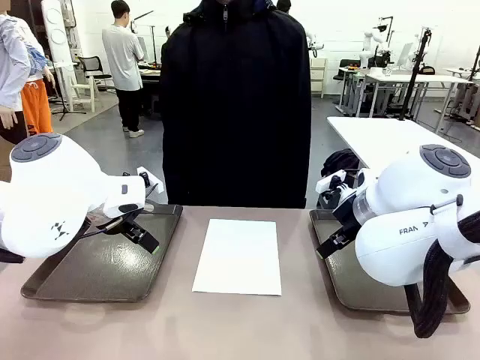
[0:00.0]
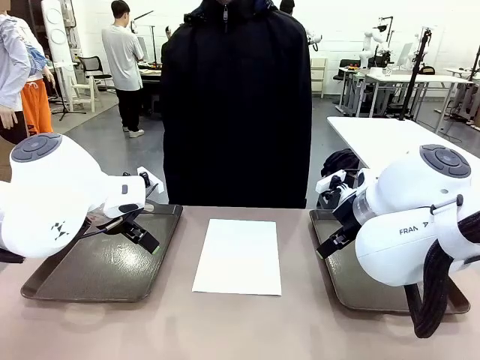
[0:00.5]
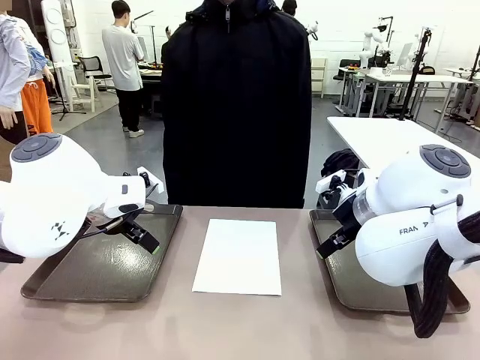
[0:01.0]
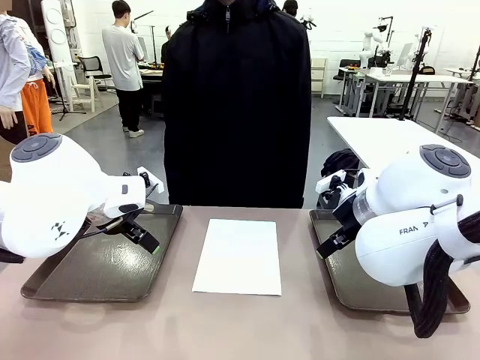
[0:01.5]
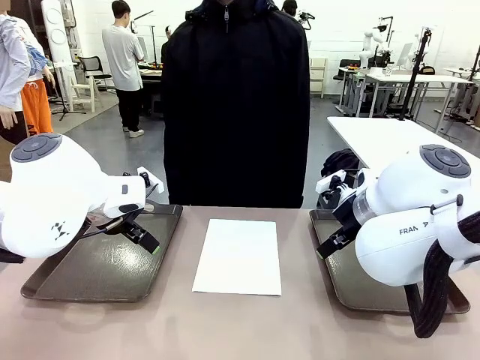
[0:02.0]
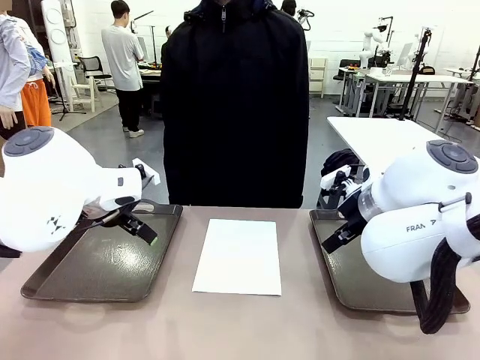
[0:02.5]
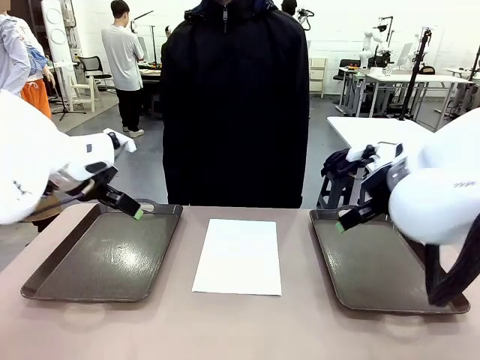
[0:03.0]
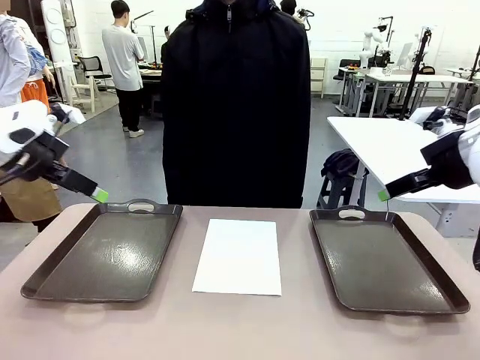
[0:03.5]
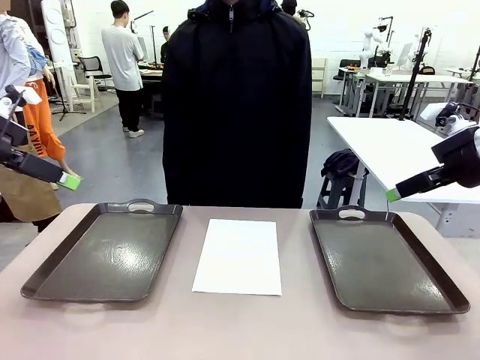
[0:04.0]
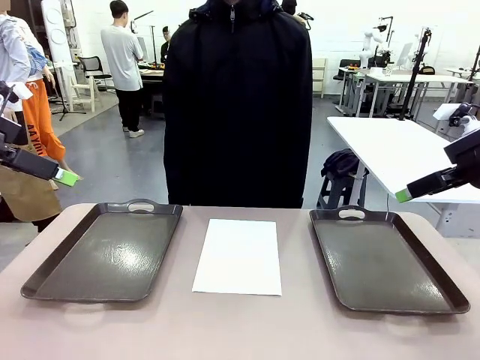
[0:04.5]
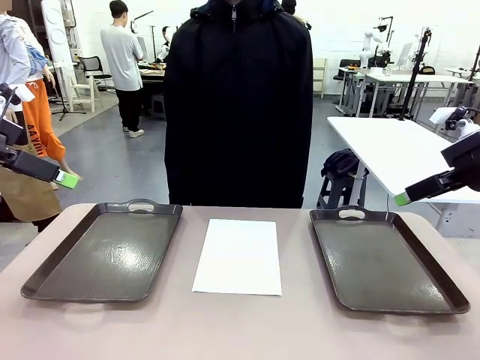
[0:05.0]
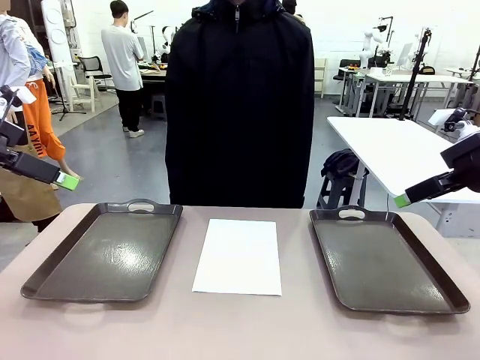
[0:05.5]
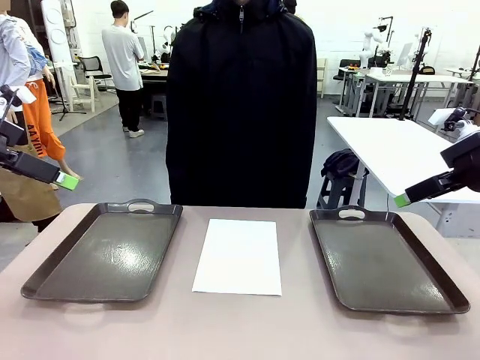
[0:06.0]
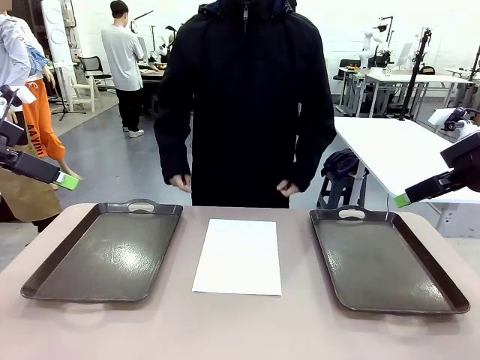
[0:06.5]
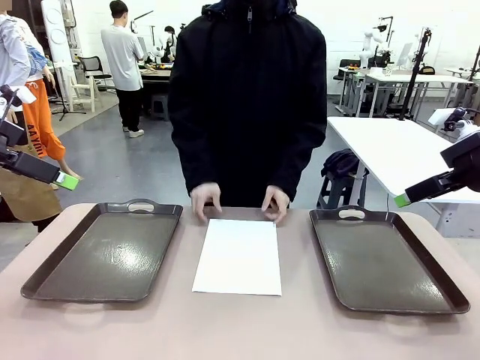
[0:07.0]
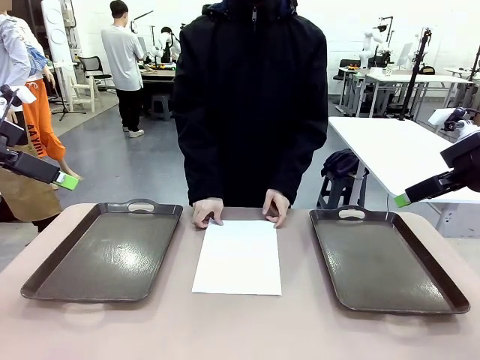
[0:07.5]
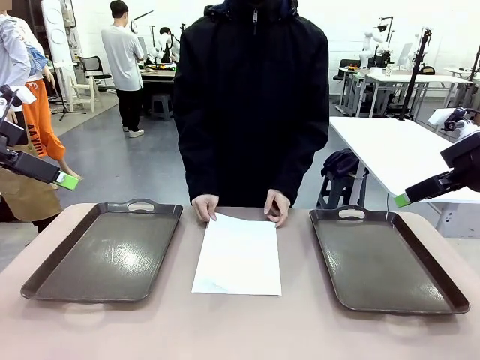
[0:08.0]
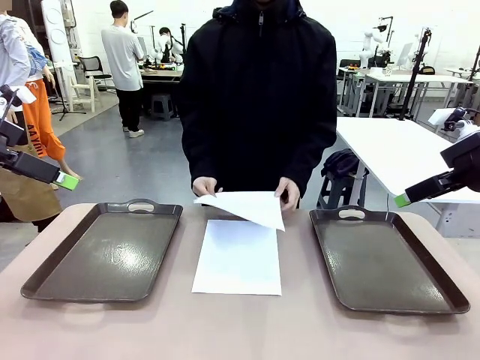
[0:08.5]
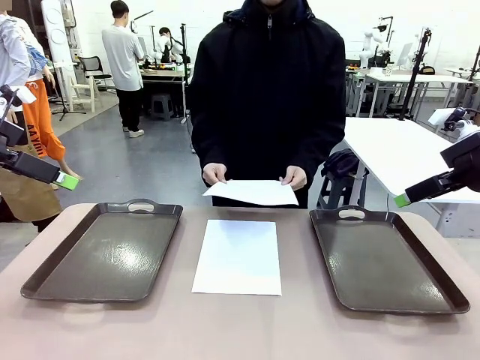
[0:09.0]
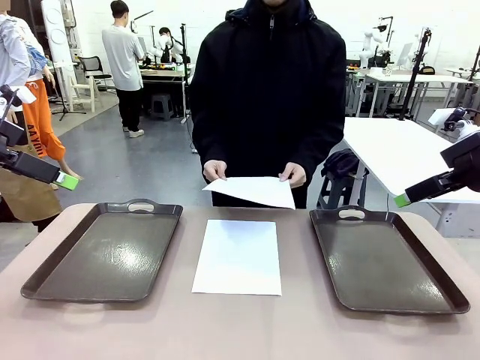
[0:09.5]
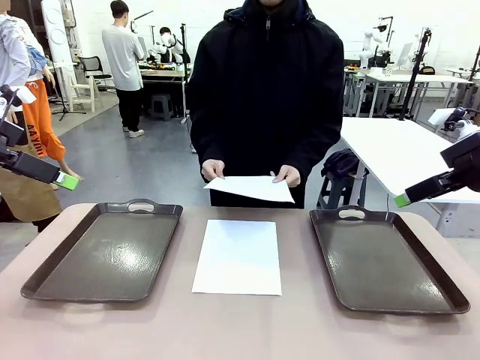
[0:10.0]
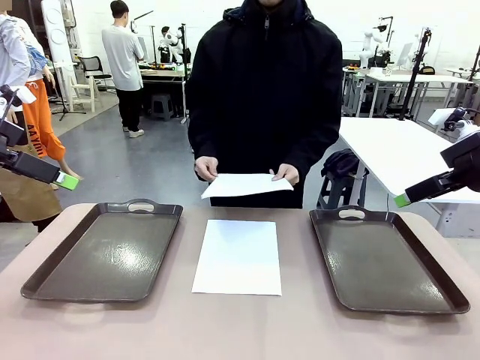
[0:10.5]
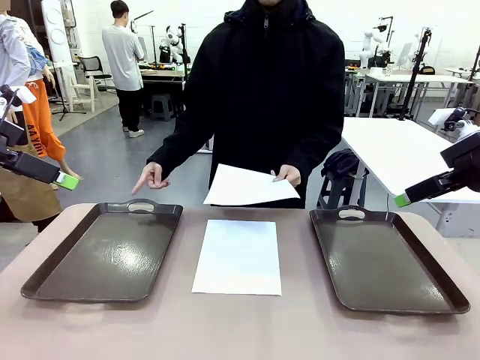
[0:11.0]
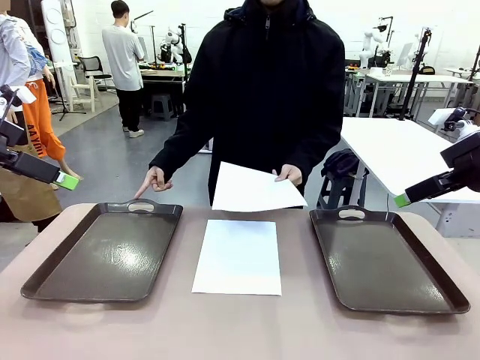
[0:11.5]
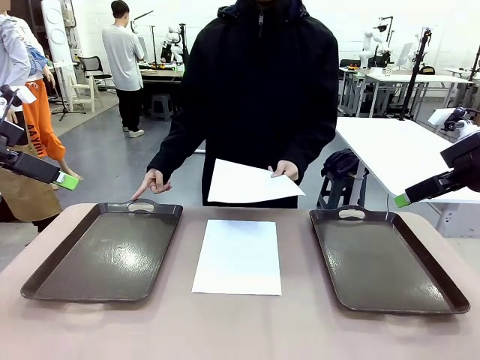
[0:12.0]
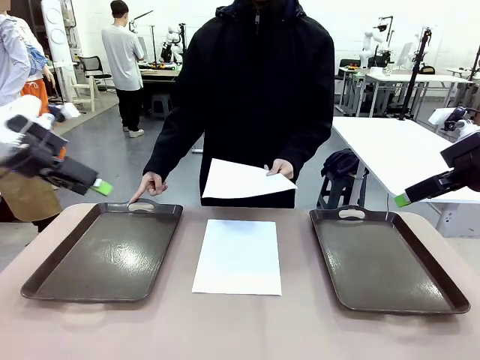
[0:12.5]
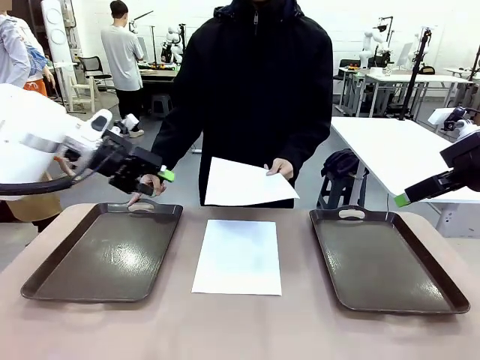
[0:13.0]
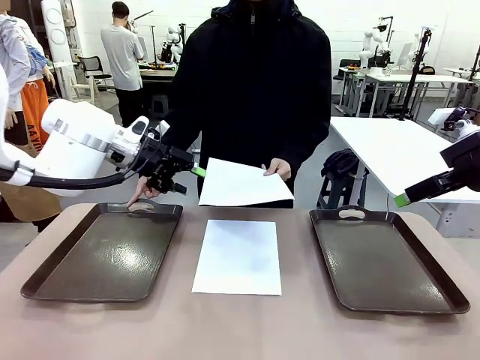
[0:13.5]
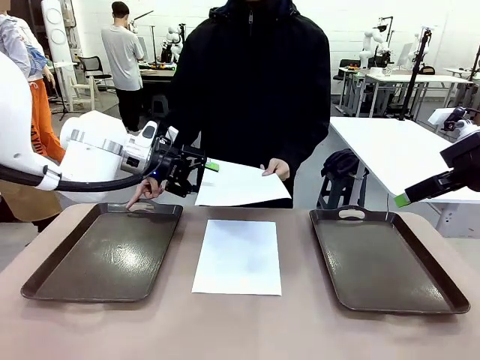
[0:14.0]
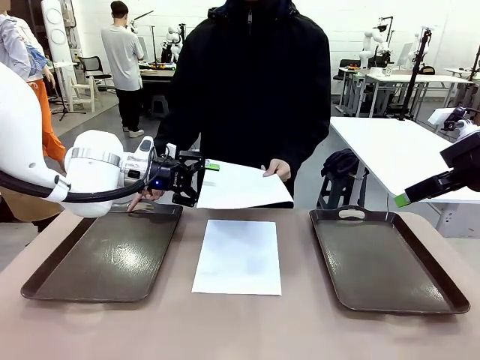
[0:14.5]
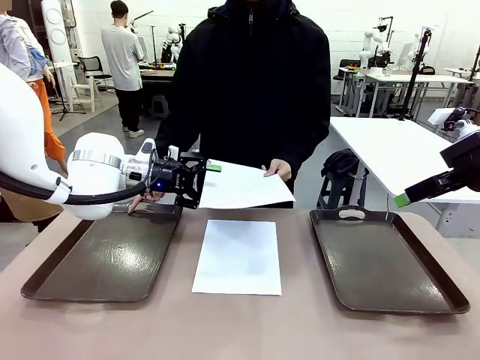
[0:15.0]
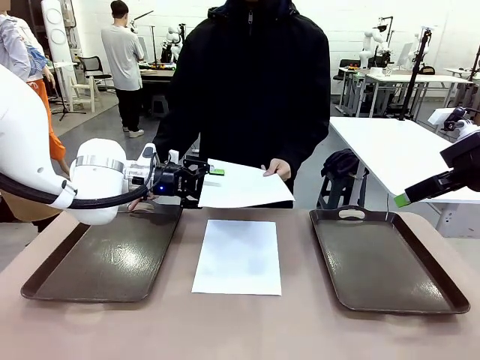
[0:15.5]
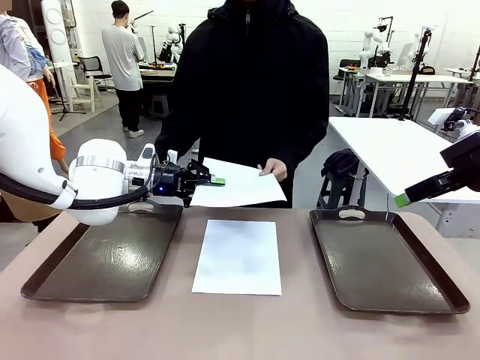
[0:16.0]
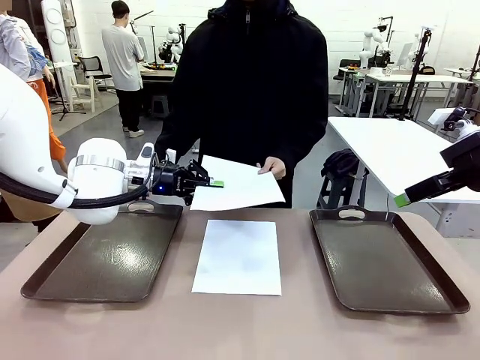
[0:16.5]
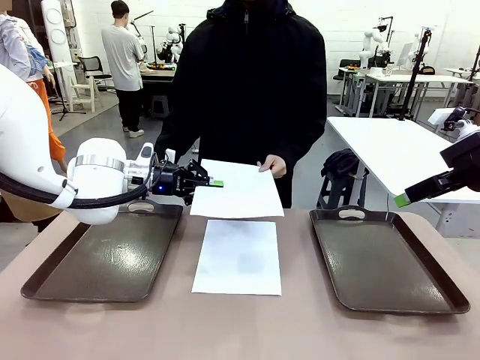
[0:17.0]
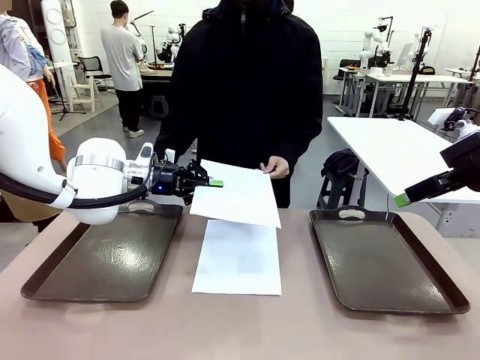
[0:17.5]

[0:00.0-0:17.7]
Task: Sort the A4 documents.
Robot: Receive the A4 Paper.
Person: Pick up a sheet of paper from the center of the table and hand it to the robot. Point the randomly selected tray with the other hand.

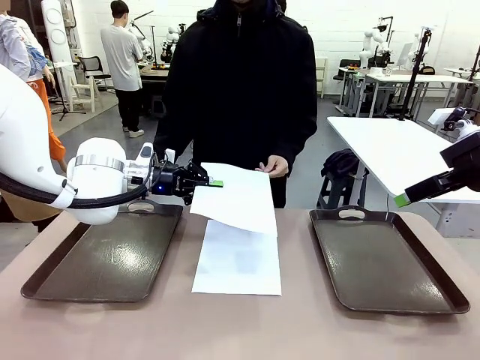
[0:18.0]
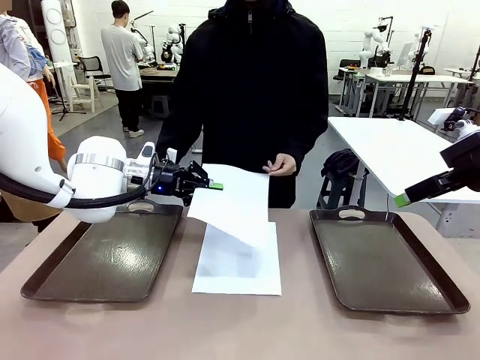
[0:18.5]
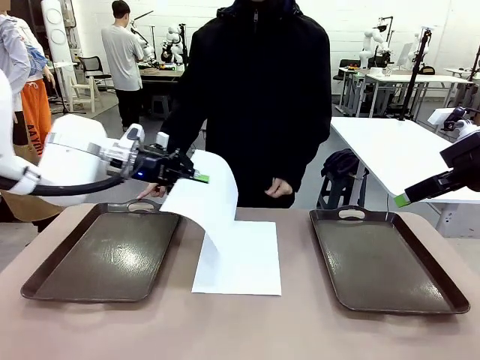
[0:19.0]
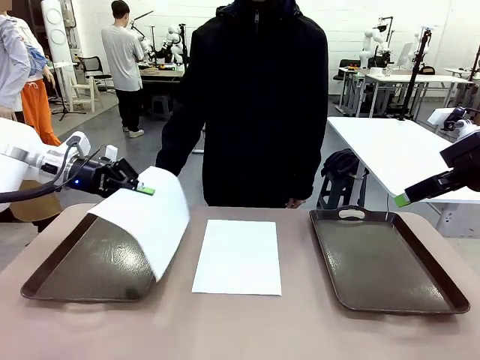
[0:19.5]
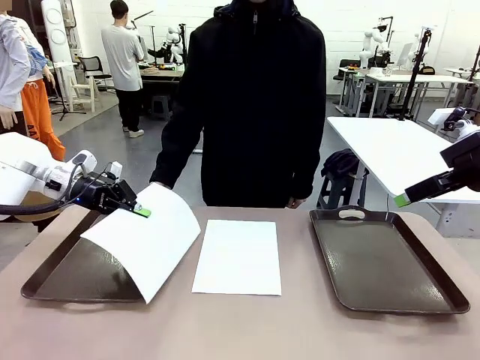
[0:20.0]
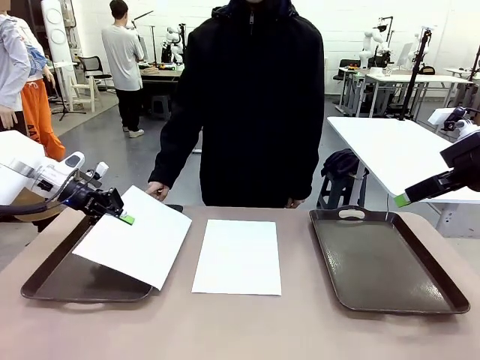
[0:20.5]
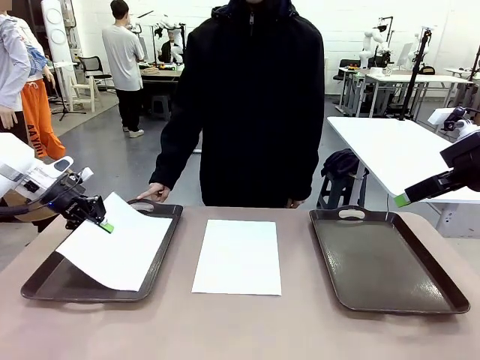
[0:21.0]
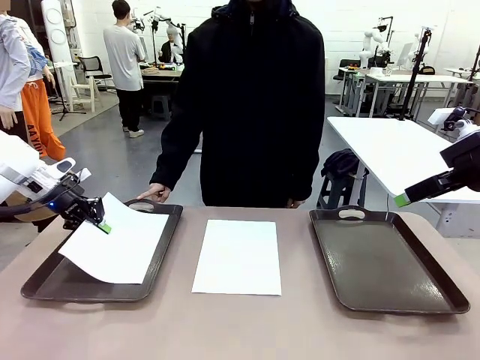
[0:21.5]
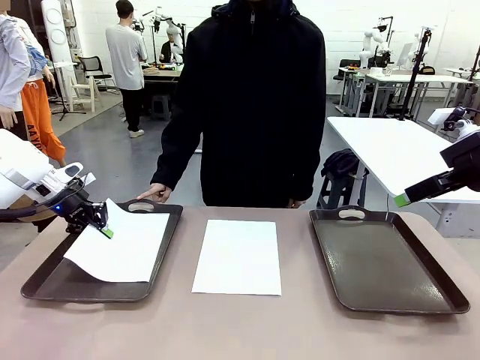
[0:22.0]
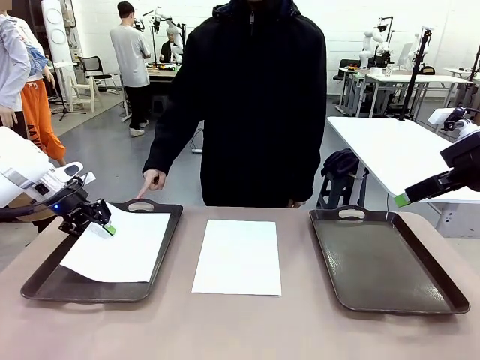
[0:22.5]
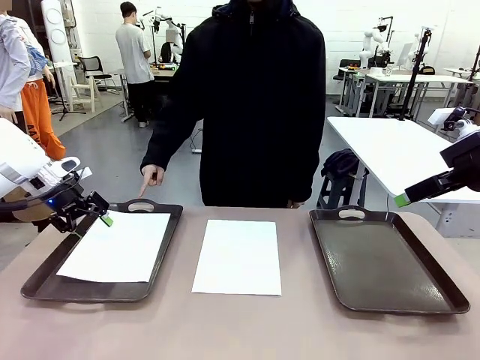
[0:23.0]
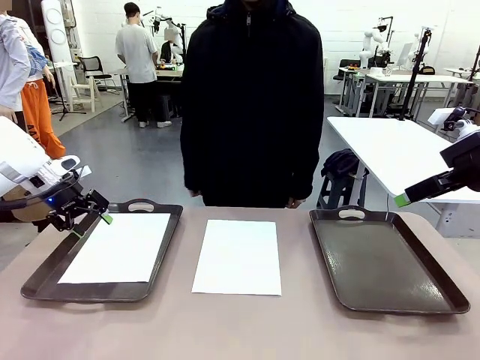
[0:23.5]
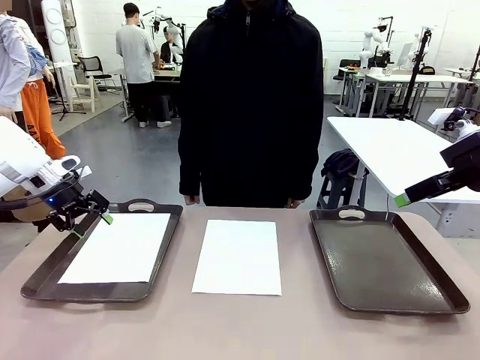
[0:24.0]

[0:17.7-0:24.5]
Robot: Place the A4 Paper in the designated Handle tray.

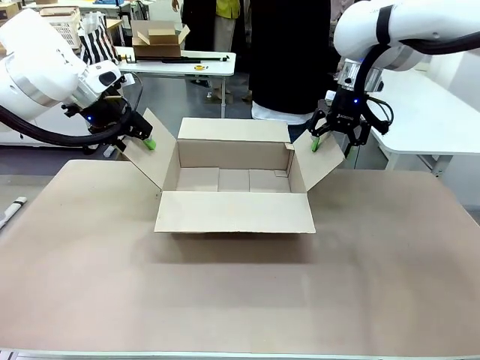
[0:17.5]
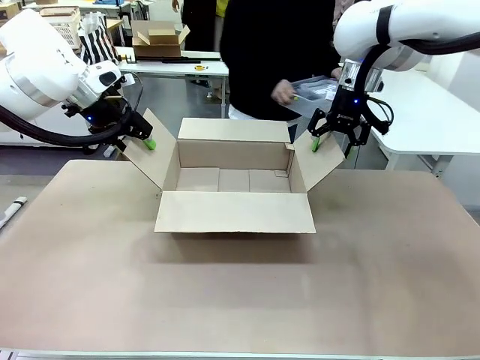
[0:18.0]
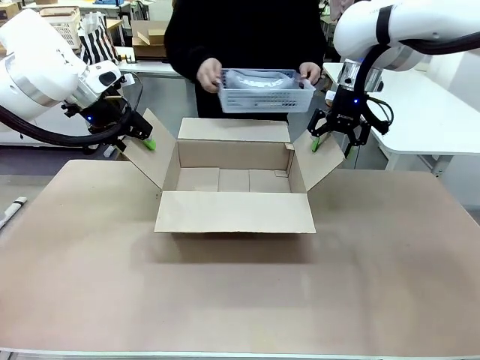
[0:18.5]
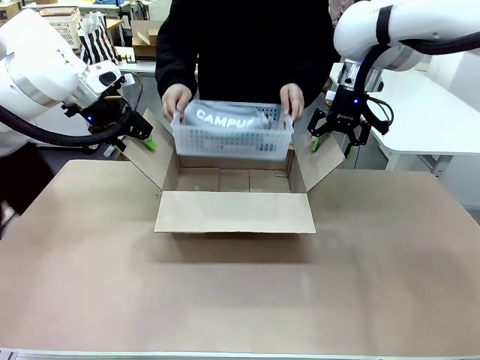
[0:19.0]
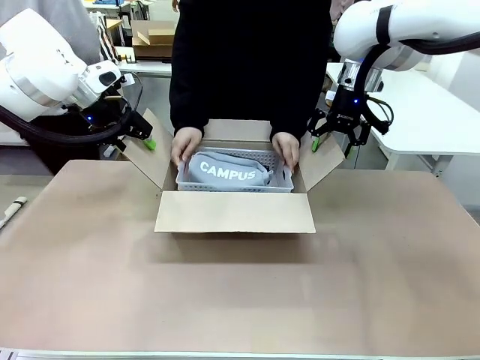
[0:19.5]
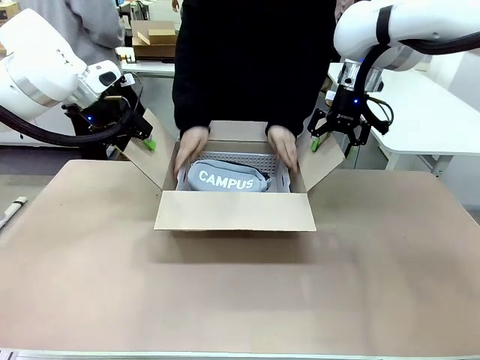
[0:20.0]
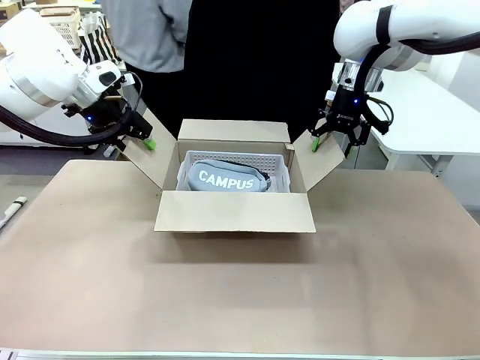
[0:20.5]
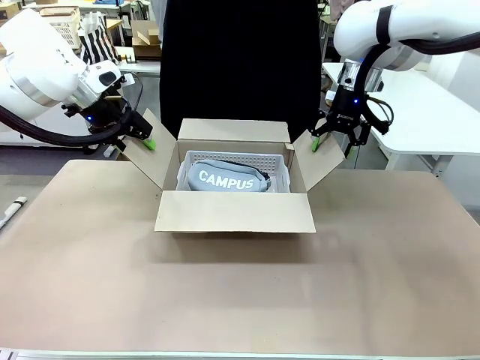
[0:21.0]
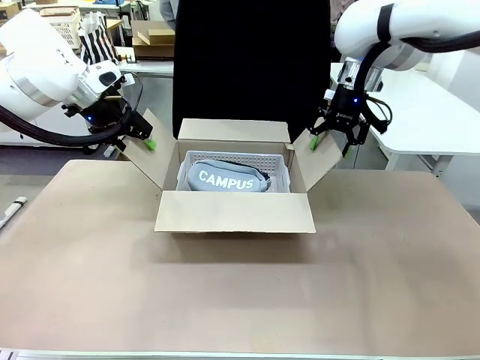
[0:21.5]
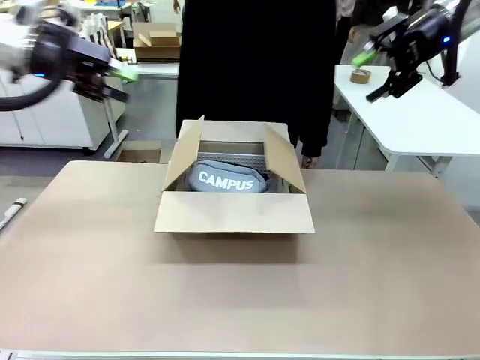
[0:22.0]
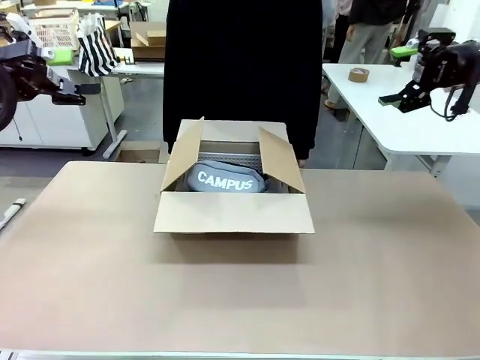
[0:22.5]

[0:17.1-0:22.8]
Task: Pack the gift set into the box.
Robot: Lift both hands away from the flaps of the Package Box.
Person: The human picks up the organizing basket and places the organizing basket into the package box on the robot table.
